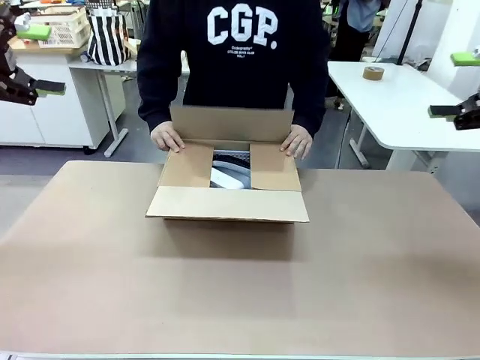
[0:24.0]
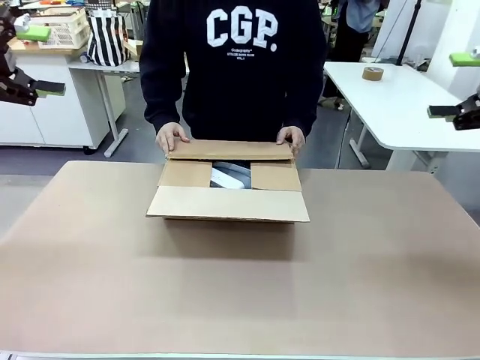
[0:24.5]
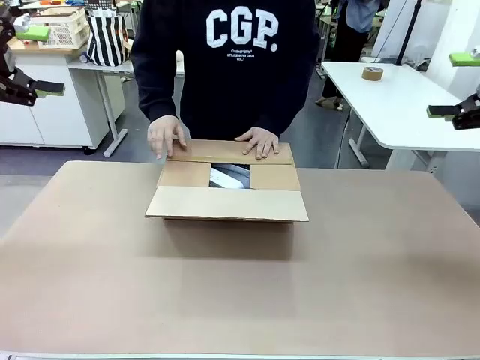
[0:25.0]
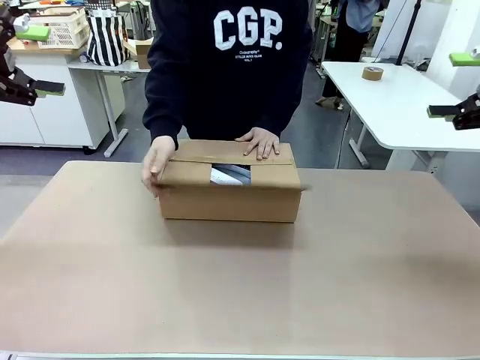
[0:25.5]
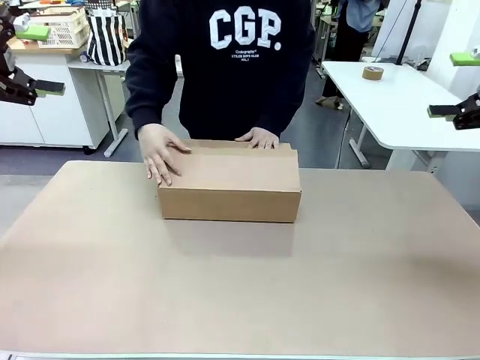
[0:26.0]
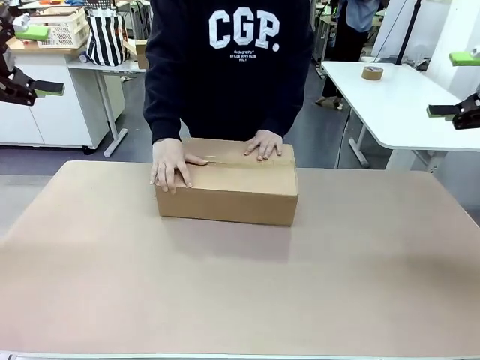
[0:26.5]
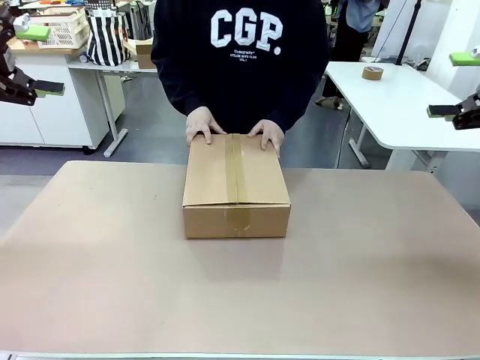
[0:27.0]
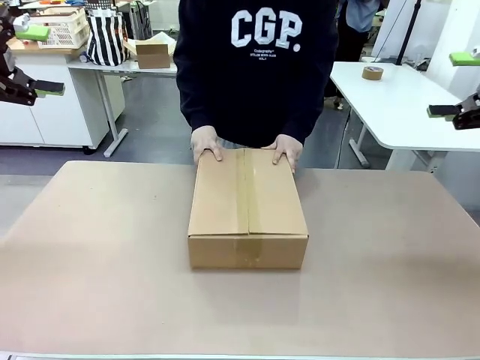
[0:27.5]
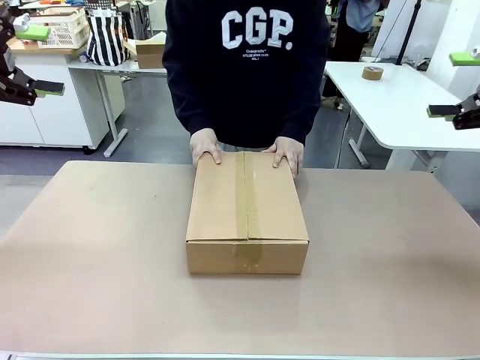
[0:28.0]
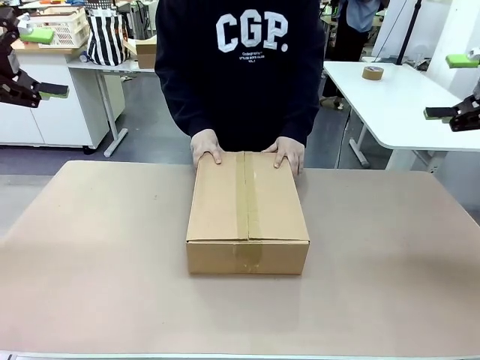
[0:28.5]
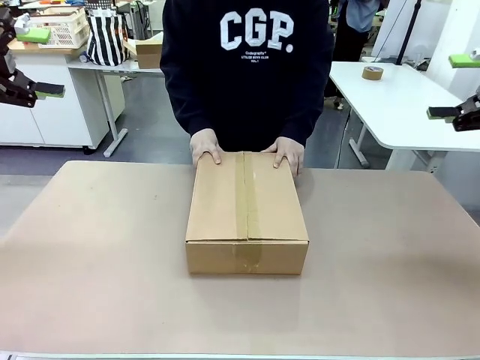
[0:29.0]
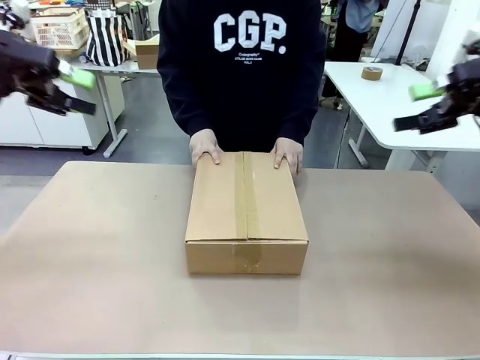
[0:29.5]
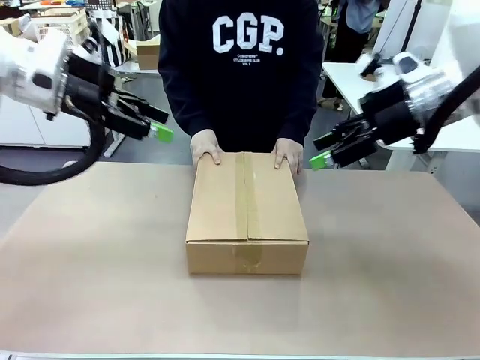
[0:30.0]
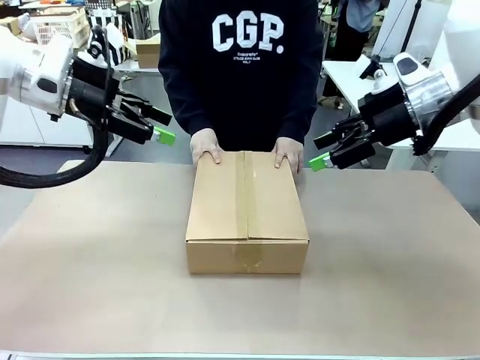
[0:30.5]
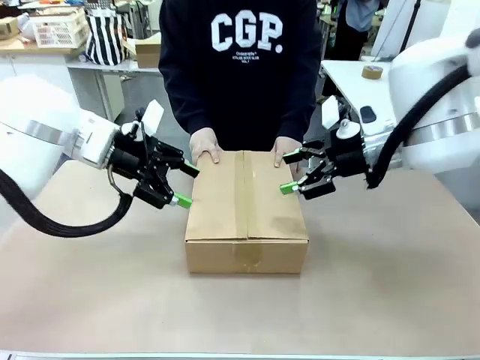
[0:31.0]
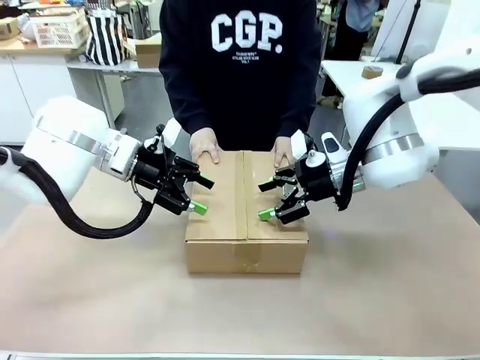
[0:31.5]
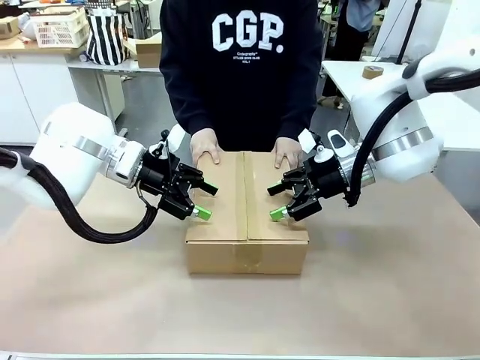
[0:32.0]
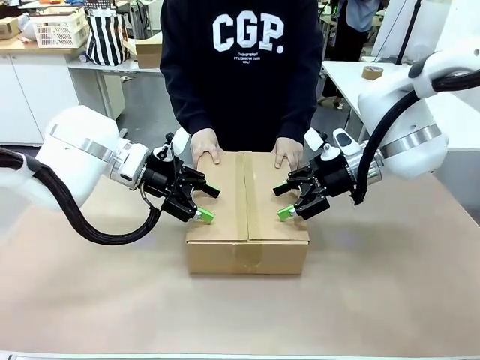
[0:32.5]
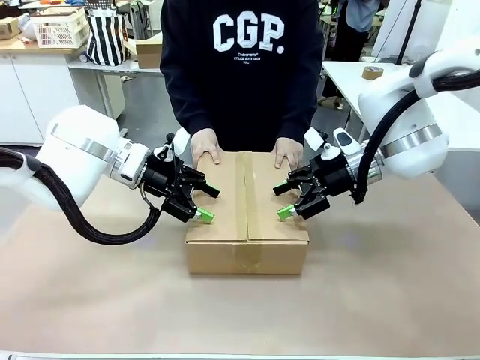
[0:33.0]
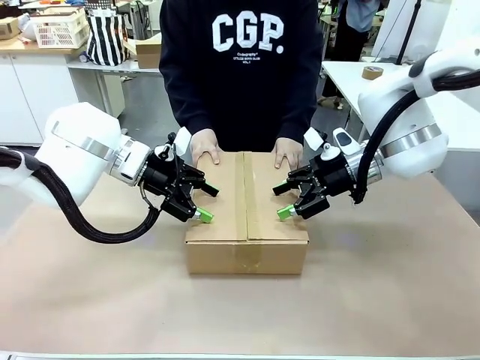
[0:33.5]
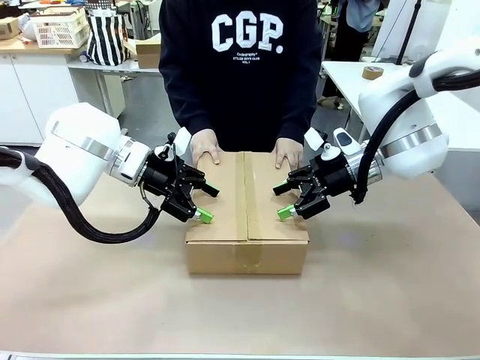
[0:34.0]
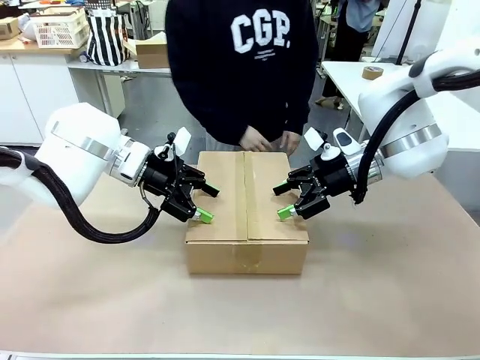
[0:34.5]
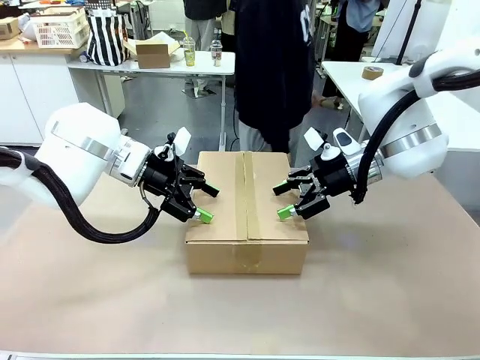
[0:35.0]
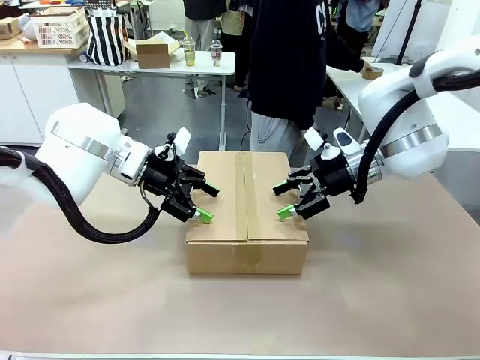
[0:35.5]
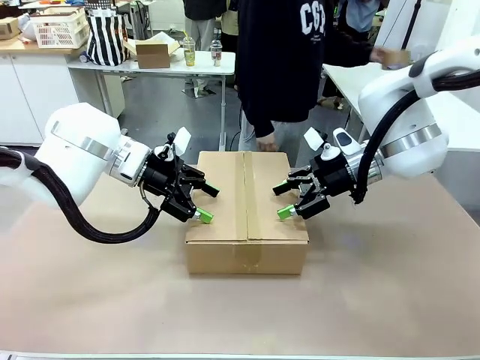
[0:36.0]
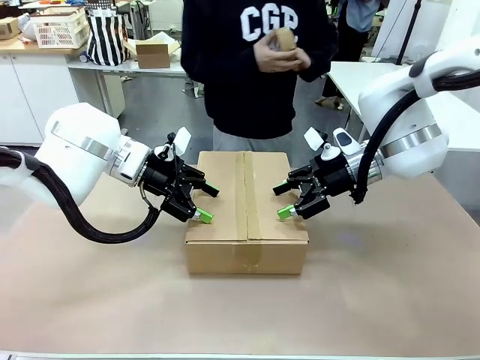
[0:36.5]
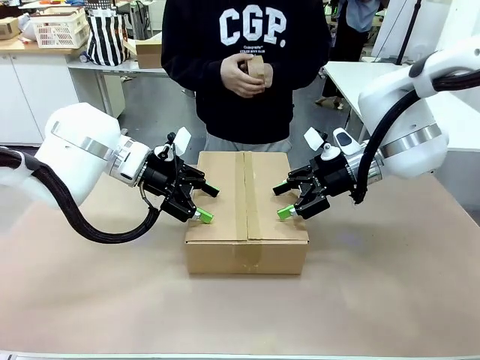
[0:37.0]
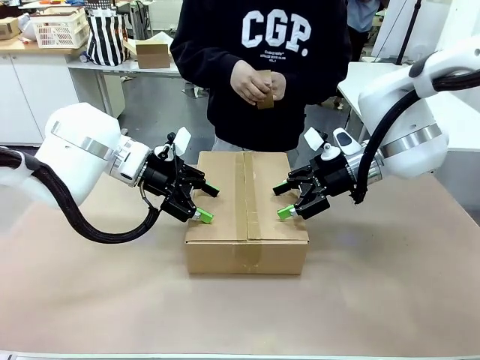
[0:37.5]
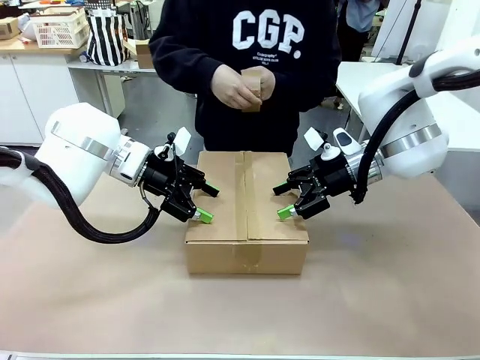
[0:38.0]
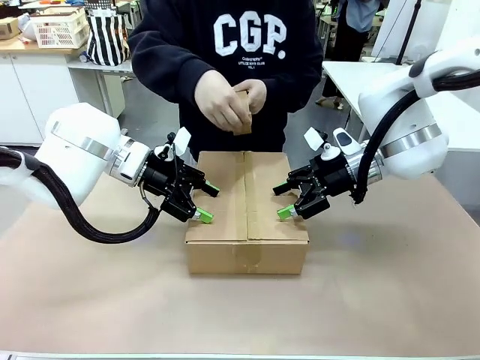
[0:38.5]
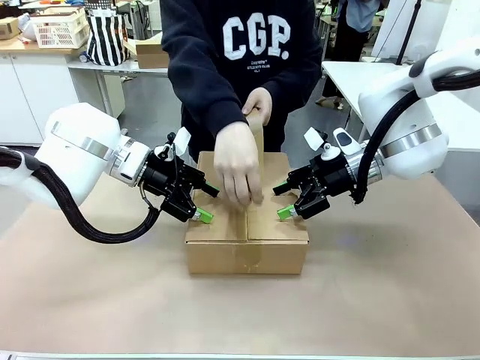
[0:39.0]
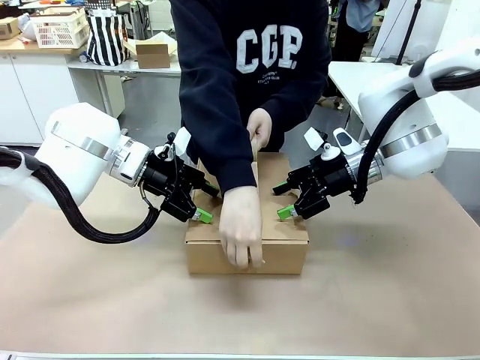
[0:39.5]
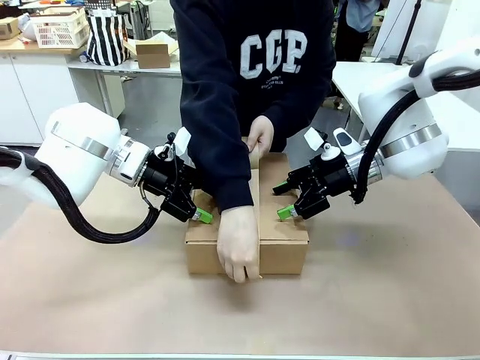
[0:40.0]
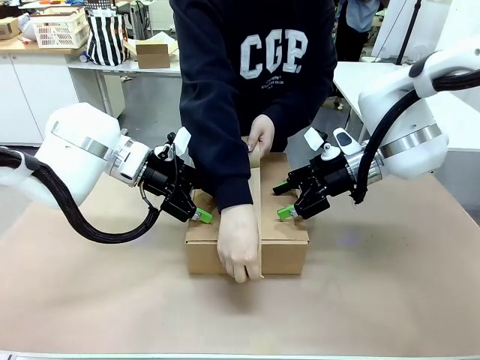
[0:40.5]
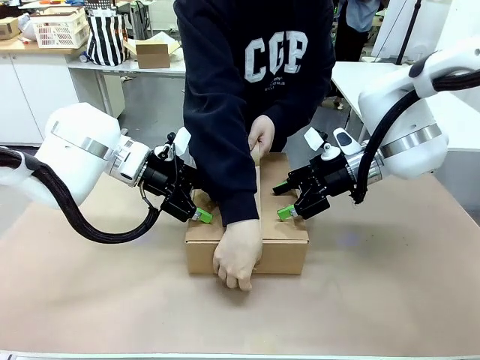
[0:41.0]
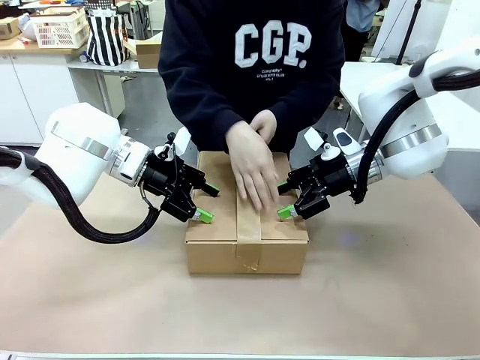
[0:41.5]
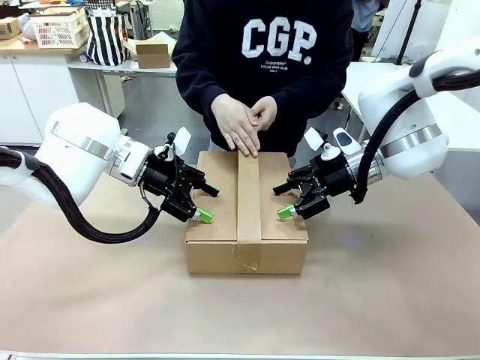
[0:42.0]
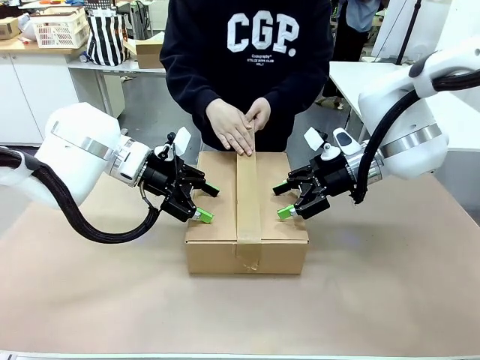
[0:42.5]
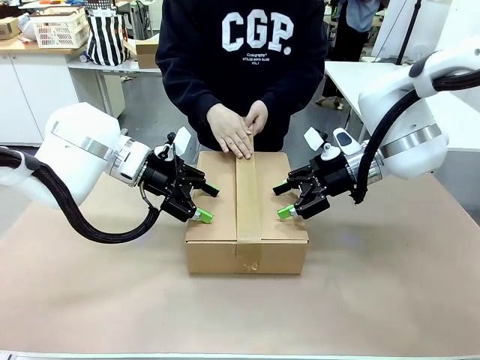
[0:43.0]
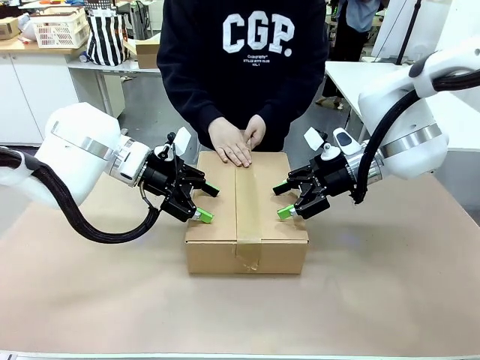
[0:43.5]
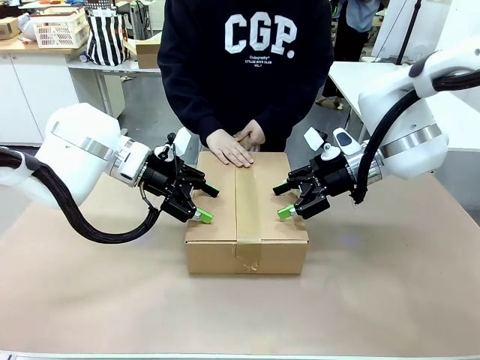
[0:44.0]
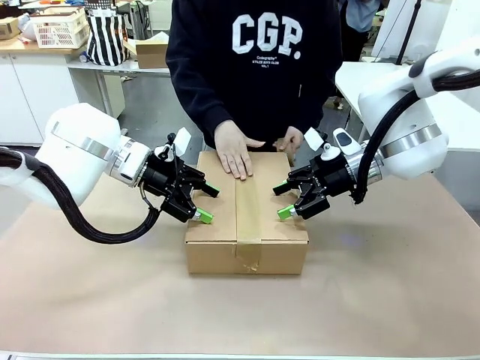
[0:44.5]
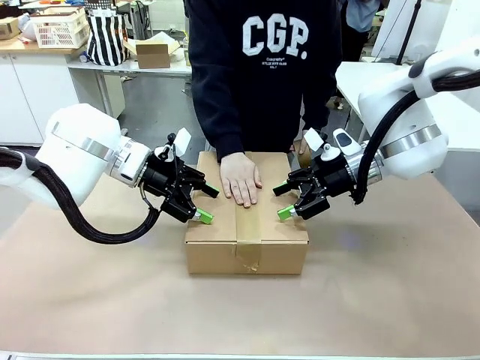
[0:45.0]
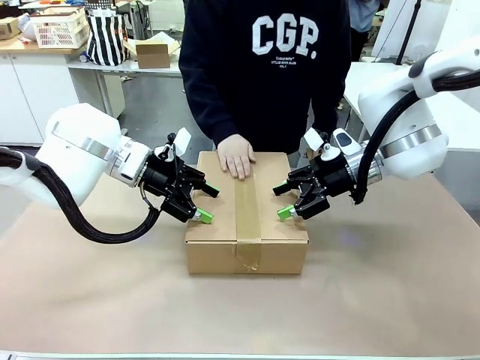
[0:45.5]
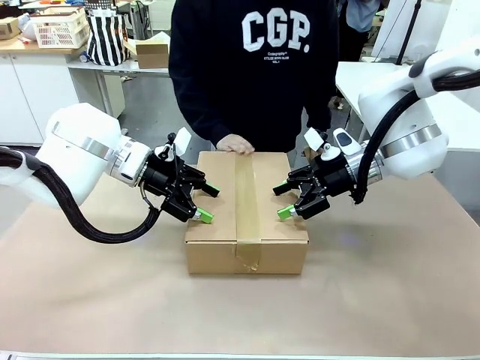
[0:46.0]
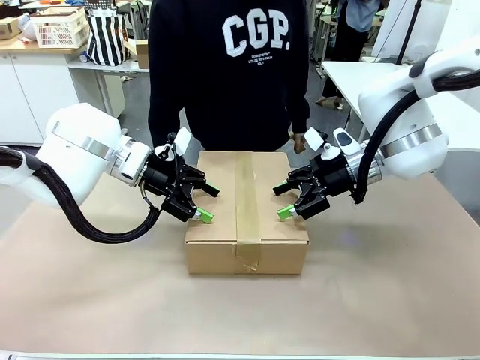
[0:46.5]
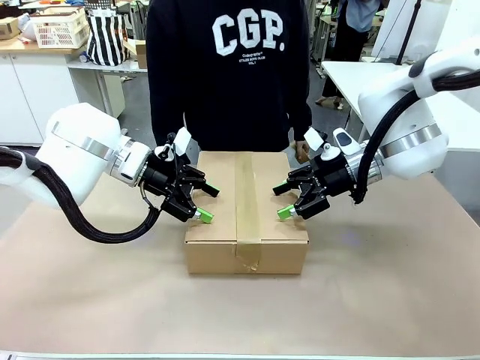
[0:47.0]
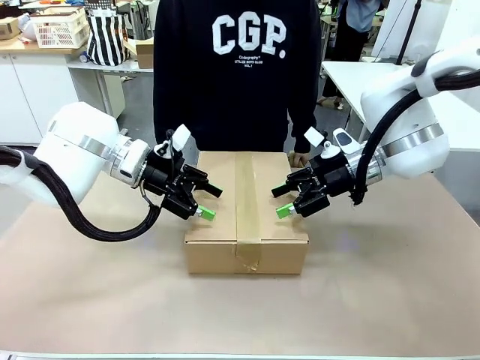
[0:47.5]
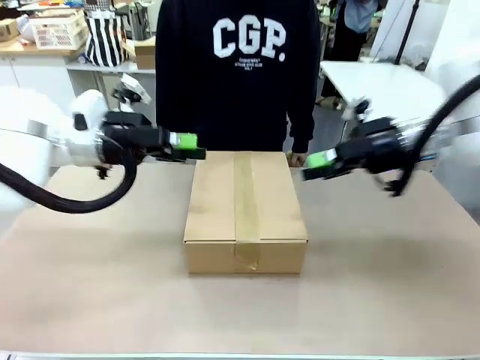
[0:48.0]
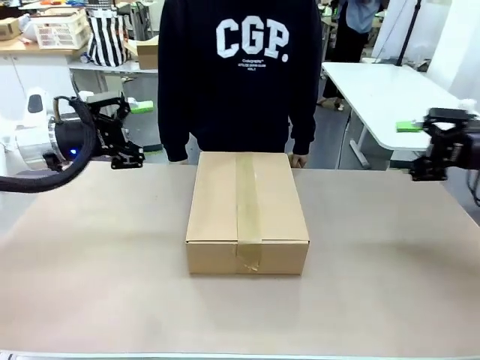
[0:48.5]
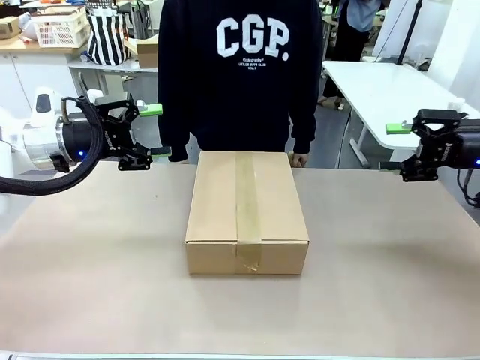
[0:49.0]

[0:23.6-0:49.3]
Task: Pack the gift set into the box.
Robot: Press and hold the closed box until the human finishes sealing it.
Person: The human closes the box and rotates the box by 90 degrees. The human picks up the paper tape from the human table and packs the box.
